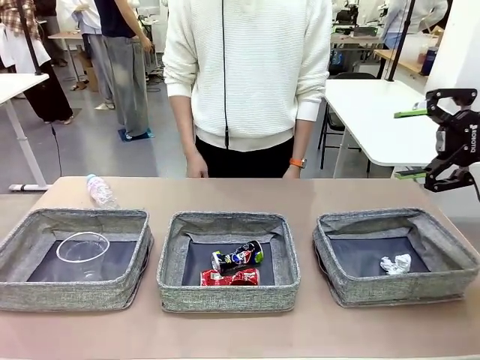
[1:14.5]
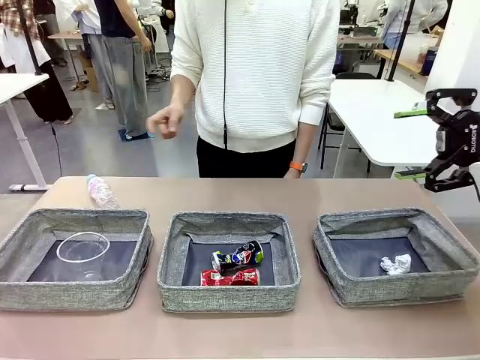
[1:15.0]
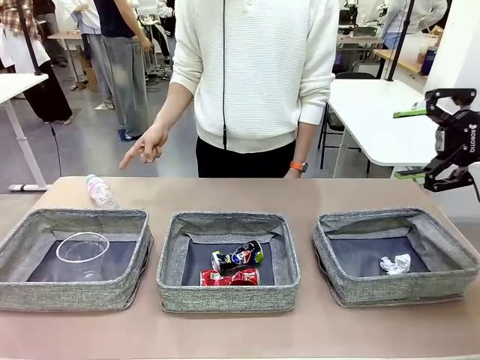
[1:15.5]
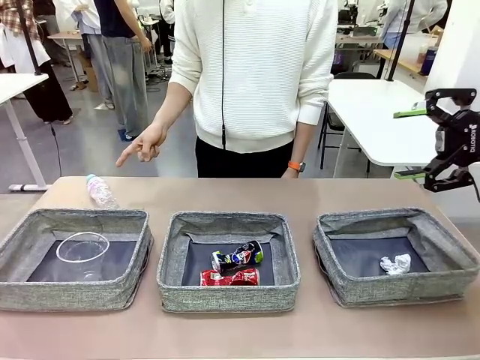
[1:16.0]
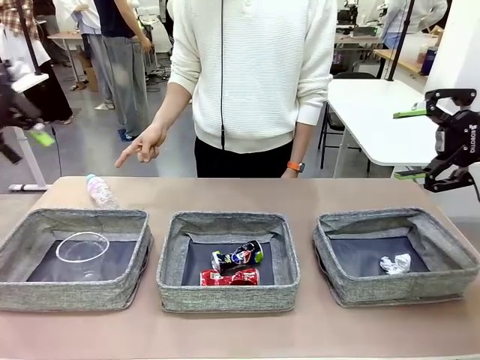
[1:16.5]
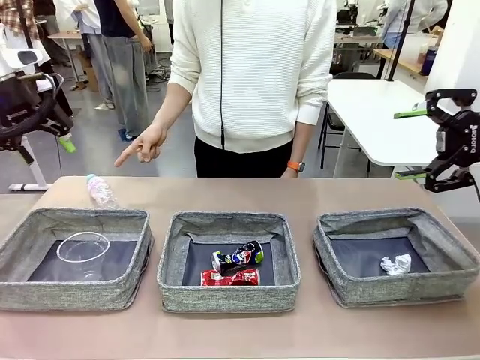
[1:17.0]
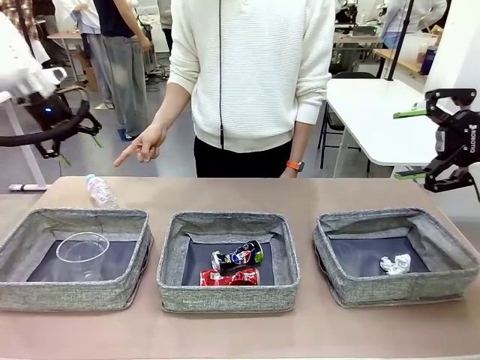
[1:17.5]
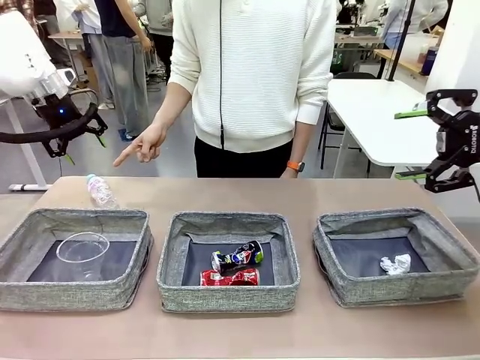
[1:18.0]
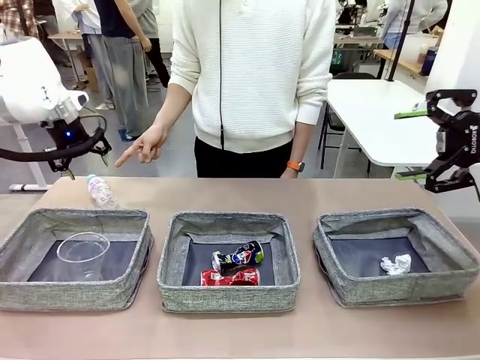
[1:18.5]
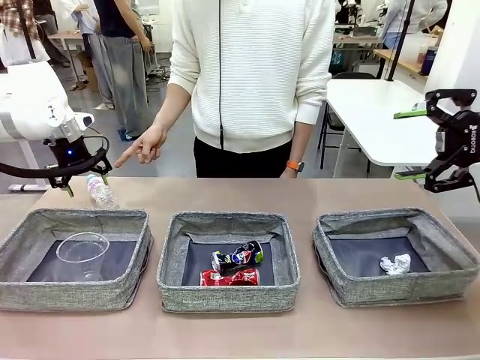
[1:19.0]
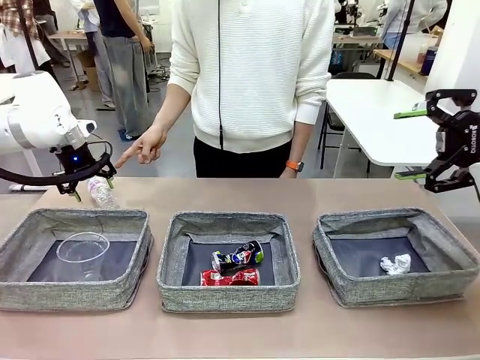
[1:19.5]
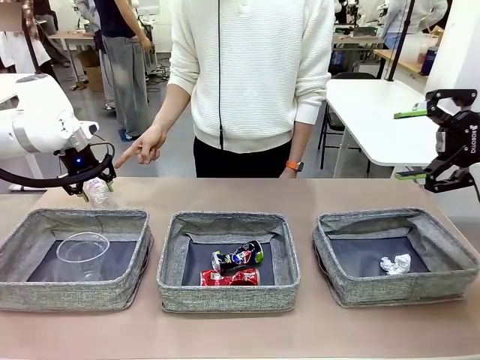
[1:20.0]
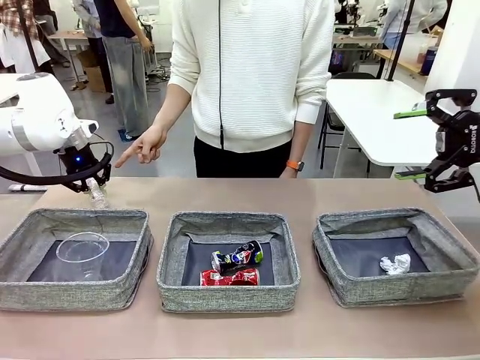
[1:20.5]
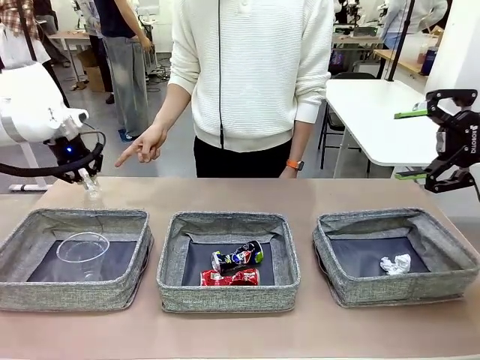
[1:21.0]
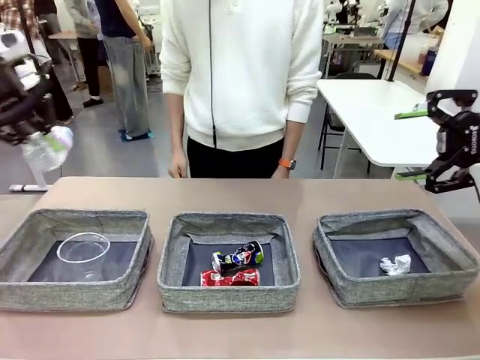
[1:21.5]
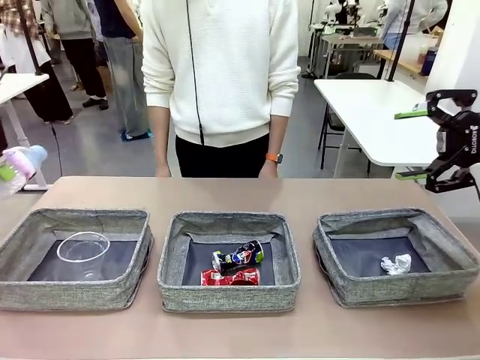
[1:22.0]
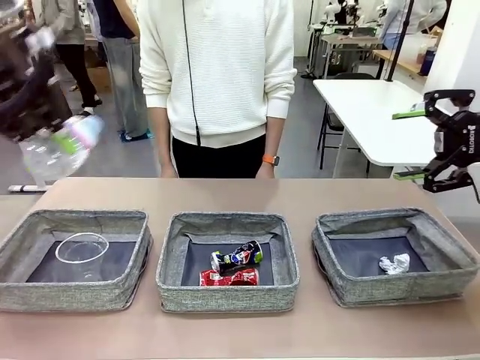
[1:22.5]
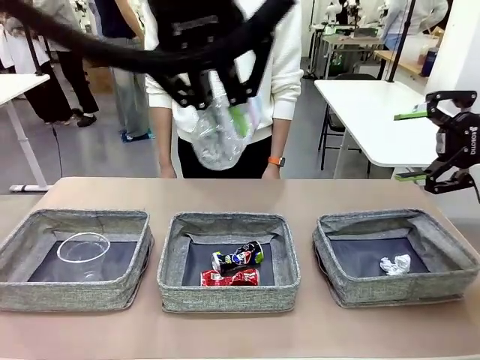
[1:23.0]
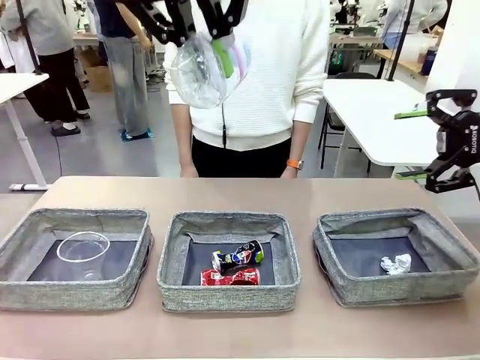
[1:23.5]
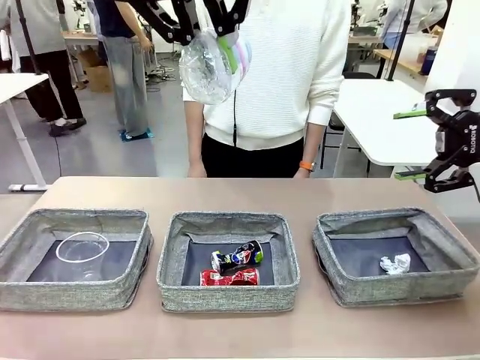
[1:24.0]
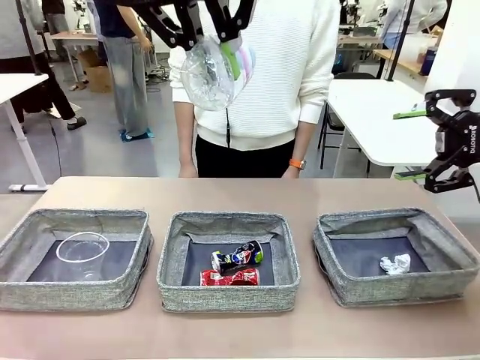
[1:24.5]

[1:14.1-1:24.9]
Task: Sort the waste into the appropriate baskets.
Robot: Pick up the waste item pointed out by the person.
Person: Points to one piece of trash on the table.

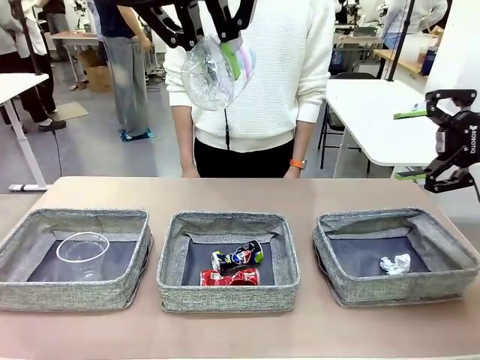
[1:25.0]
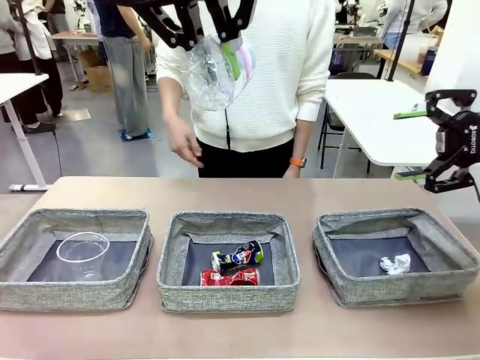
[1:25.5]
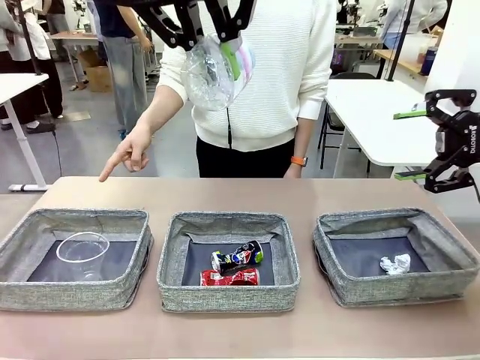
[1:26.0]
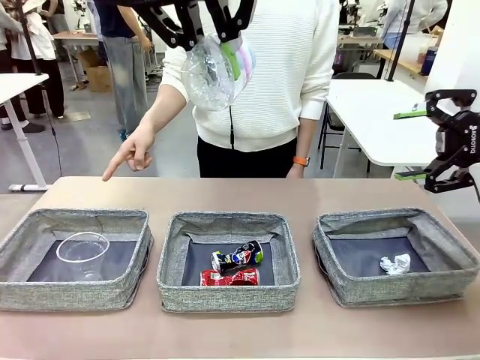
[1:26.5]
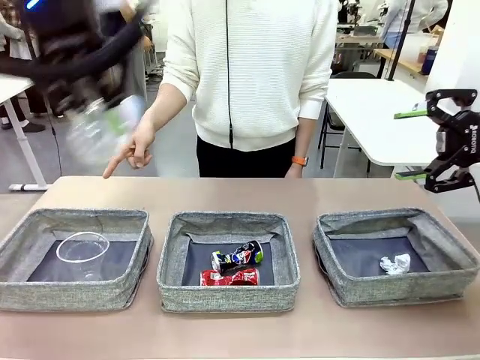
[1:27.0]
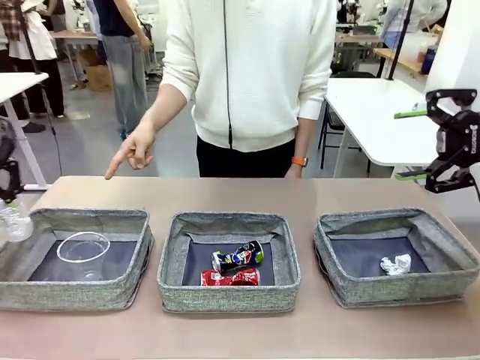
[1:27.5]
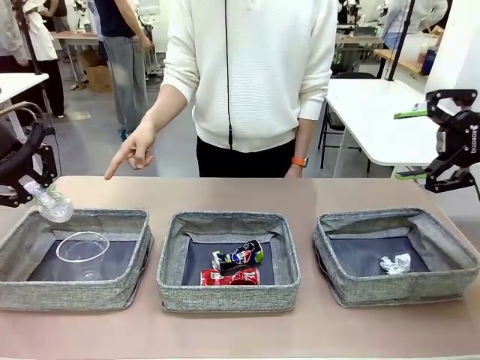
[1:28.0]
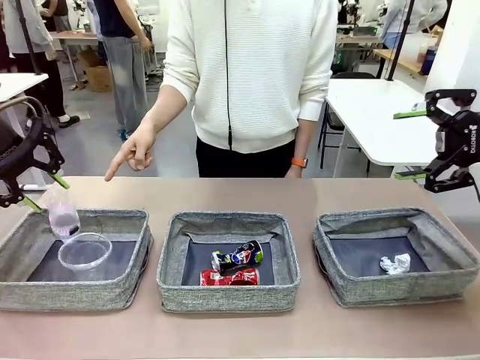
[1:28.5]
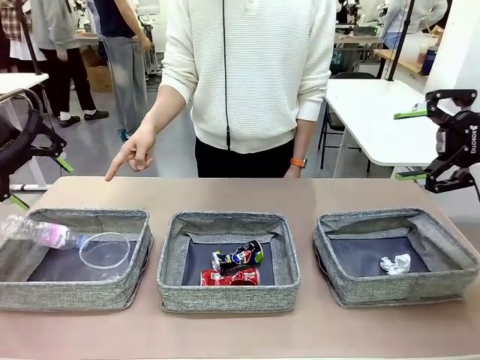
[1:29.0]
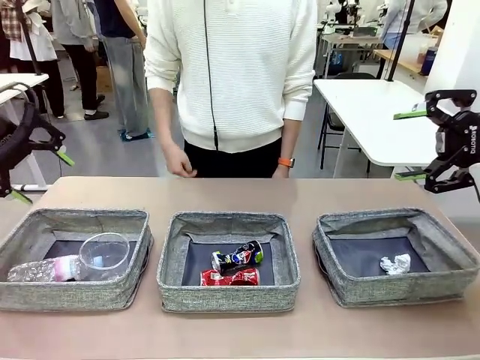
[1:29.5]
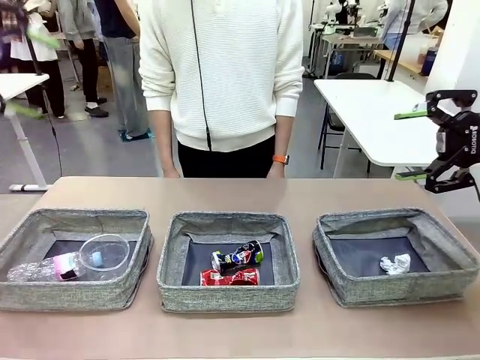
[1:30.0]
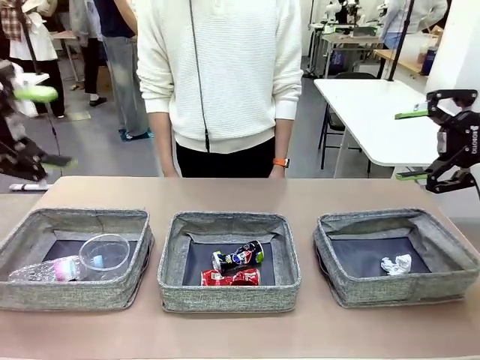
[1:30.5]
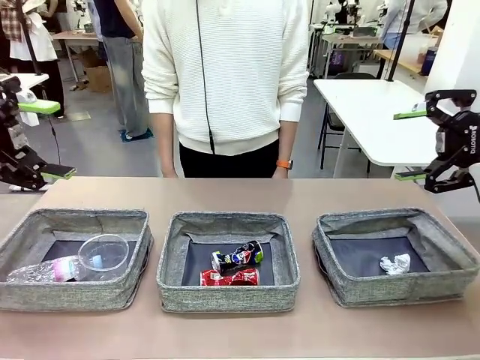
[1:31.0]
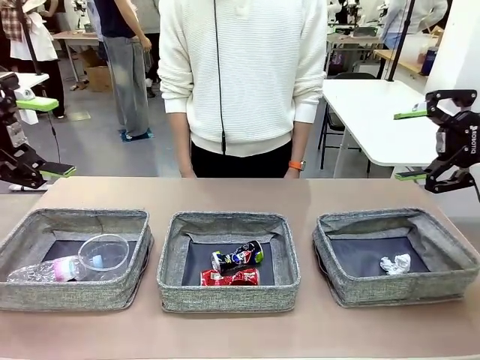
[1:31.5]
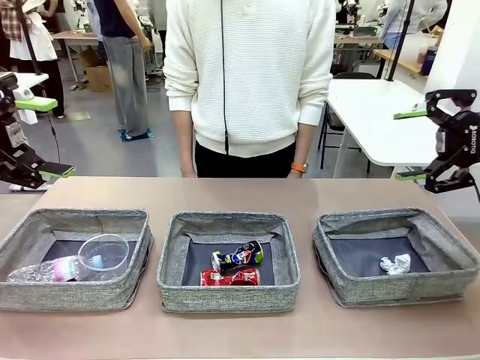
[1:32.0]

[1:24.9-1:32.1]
Robot: Place the picked waste into the Fabric basket indicated by the person.
Person: Instructs the robot to place the picked-up trash into the appropriate organizing basket.

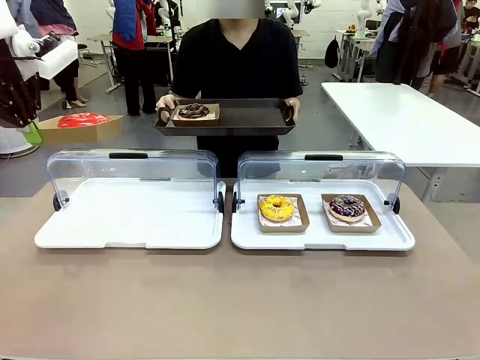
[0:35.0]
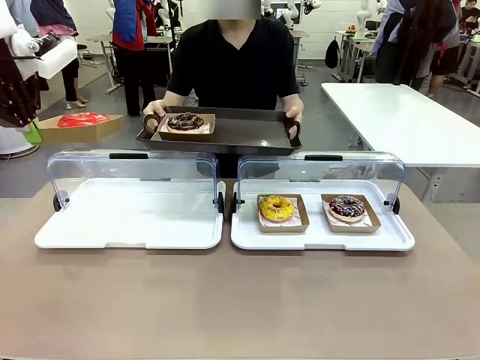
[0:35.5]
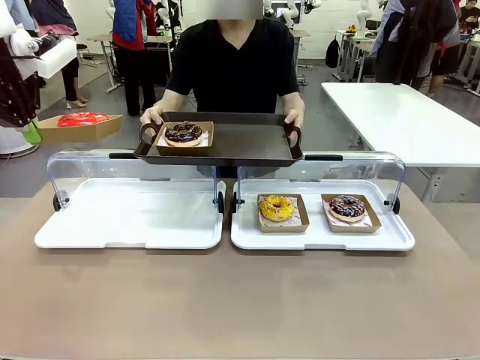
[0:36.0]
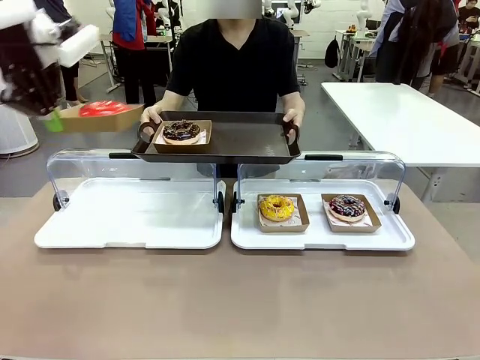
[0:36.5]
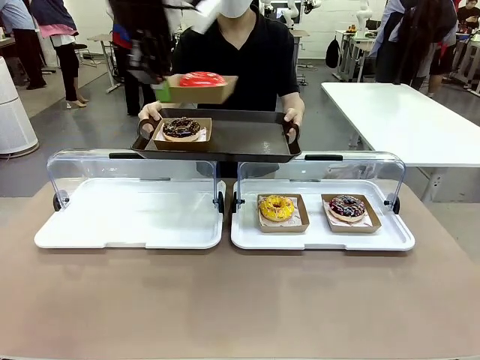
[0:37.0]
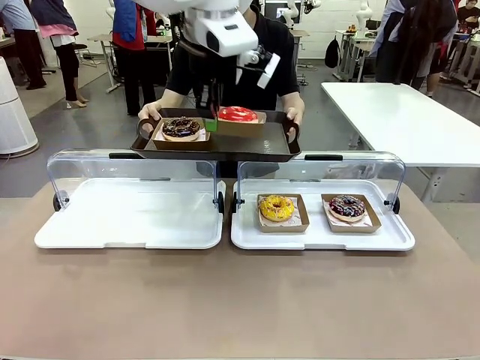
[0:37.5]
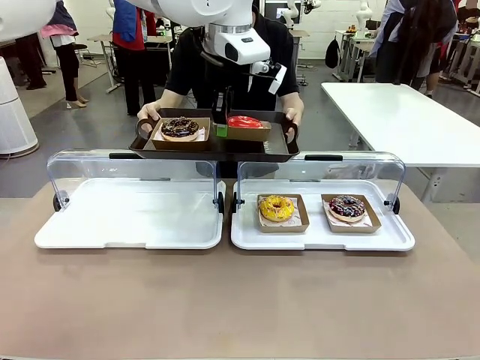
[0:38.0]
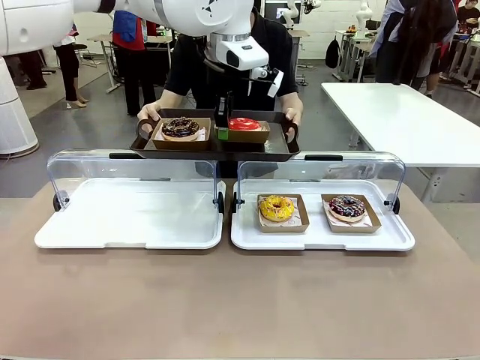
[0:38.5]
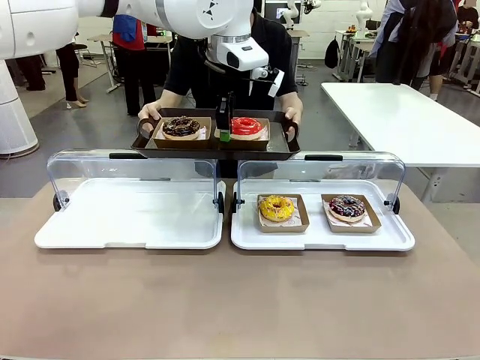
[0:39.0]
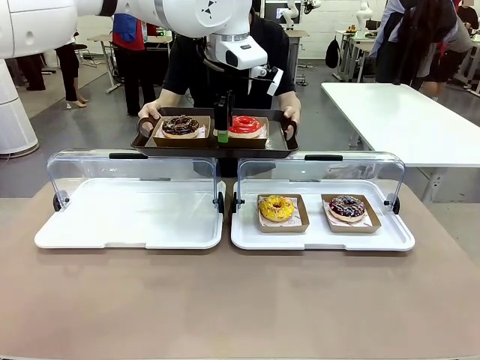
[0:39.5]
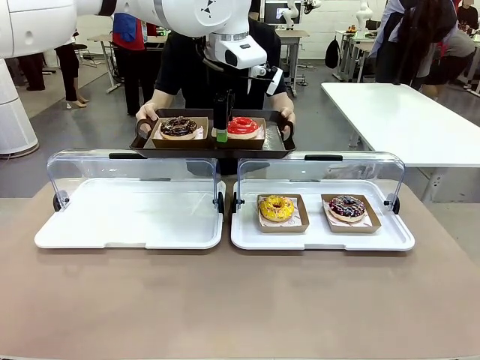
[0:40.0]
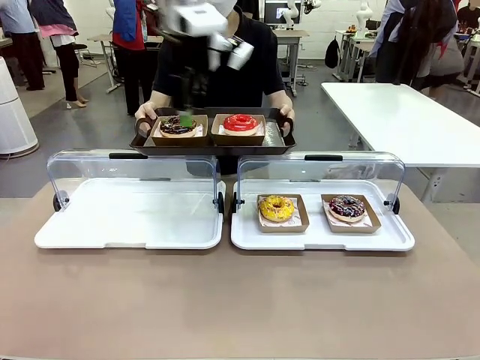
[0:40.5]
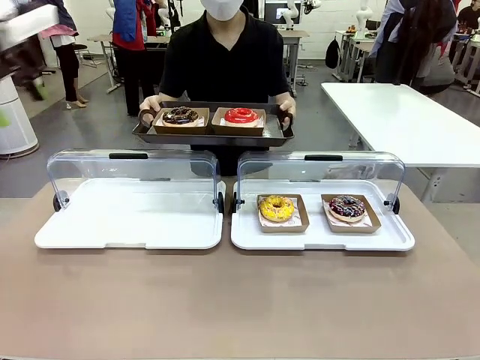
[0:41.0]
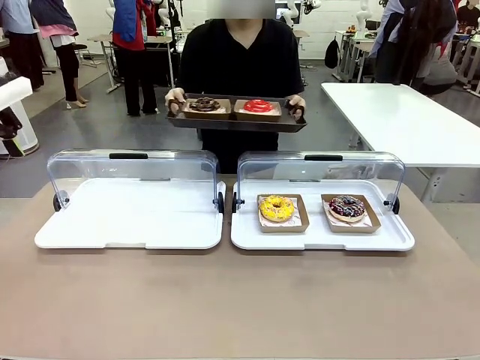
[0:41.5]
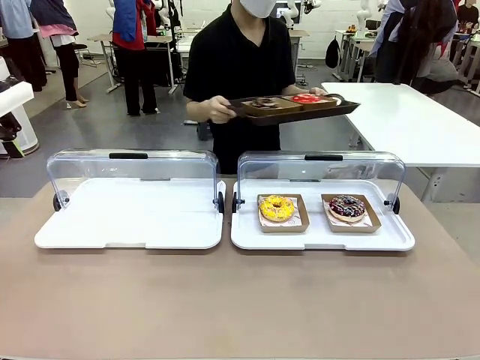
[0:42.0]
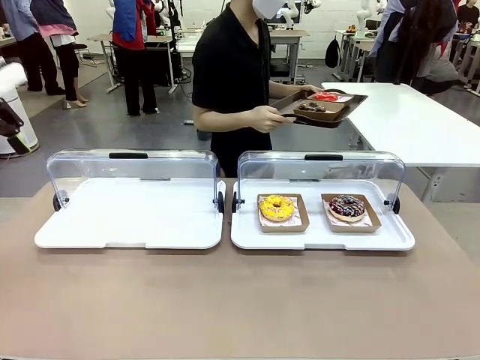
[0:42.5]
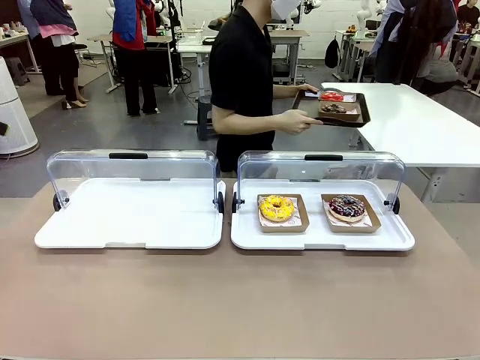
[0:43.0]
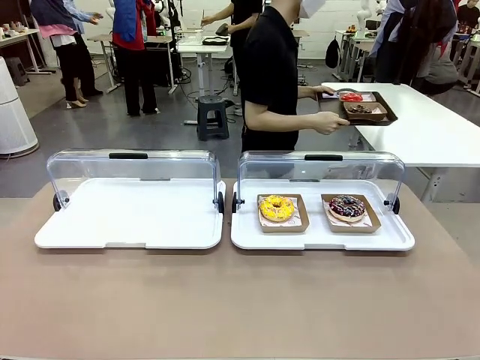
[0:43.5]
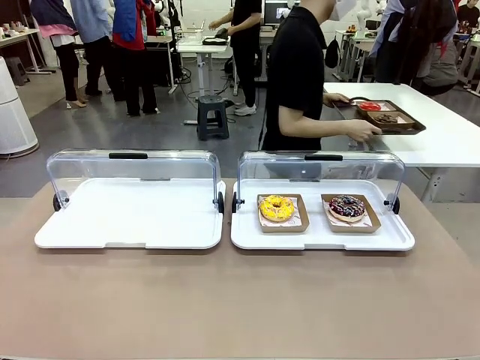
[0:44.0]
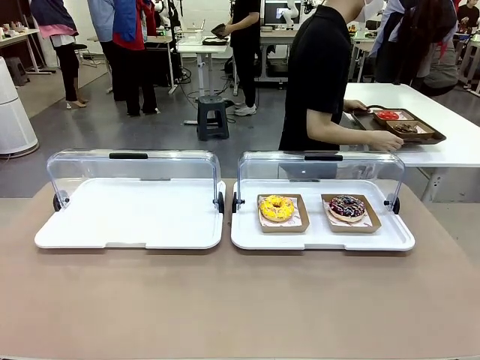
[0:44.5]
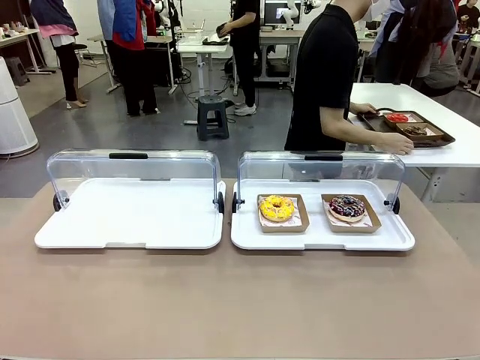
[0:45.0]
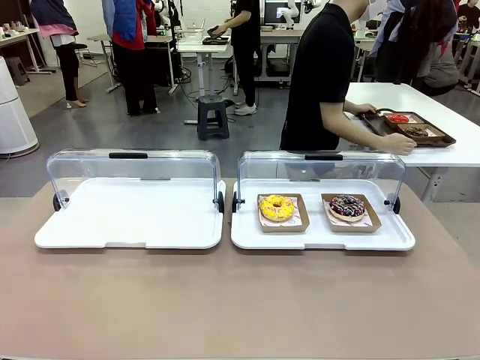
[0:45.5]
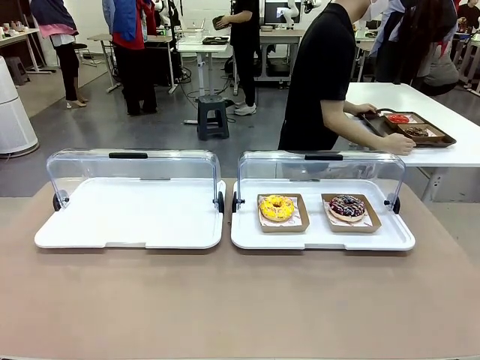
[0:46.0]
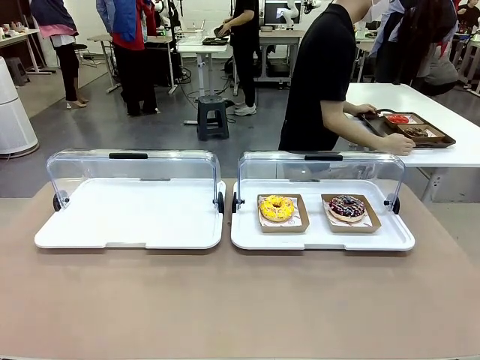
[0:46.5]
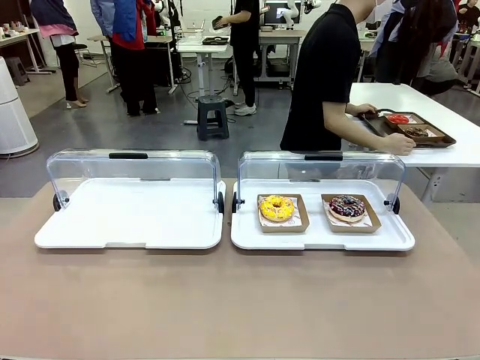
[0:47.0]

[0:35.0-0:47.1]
Task: Provide the desired donut to the person.
Robot: Place the picked Paper togo box onto the Handle tray extended by the person.
Person: Place the tray in the middle of the human table.
